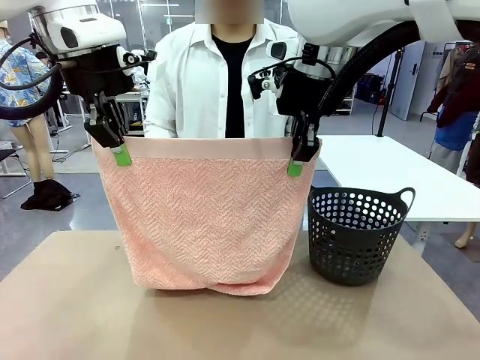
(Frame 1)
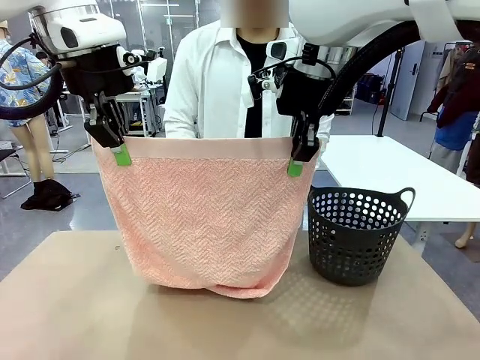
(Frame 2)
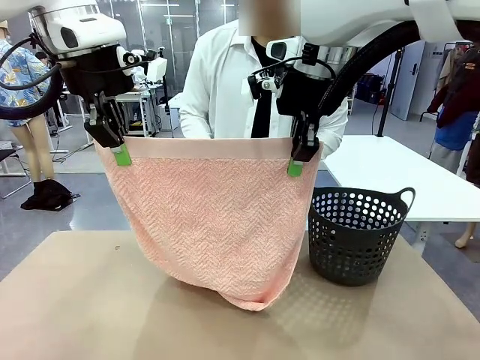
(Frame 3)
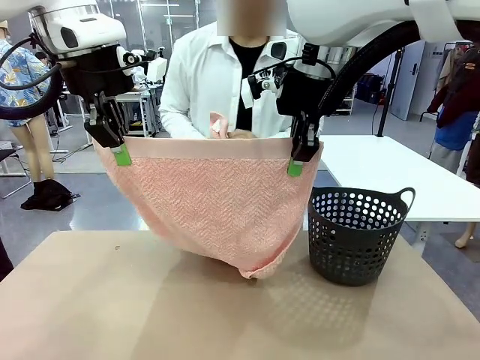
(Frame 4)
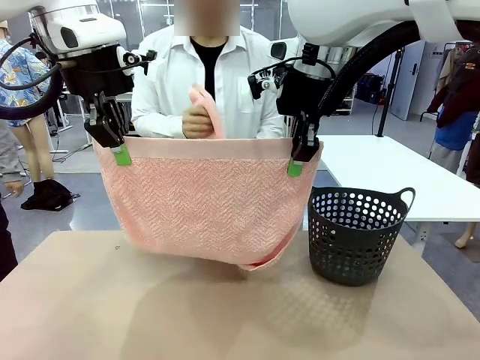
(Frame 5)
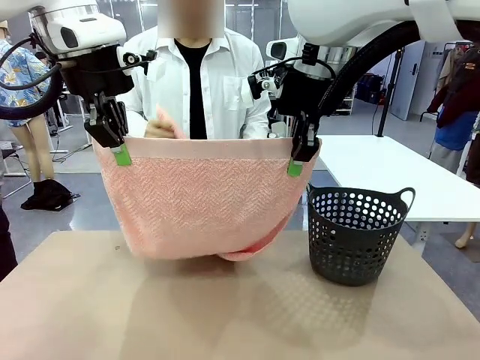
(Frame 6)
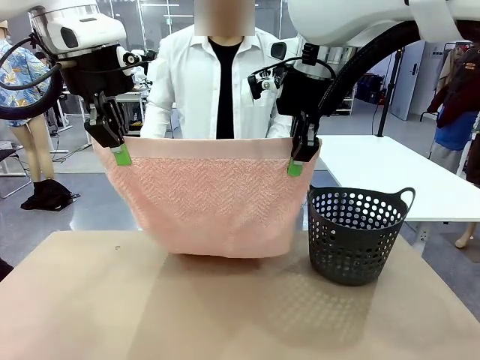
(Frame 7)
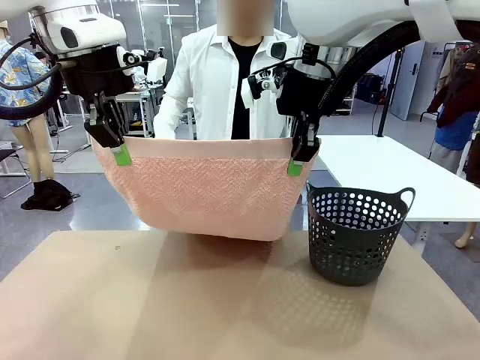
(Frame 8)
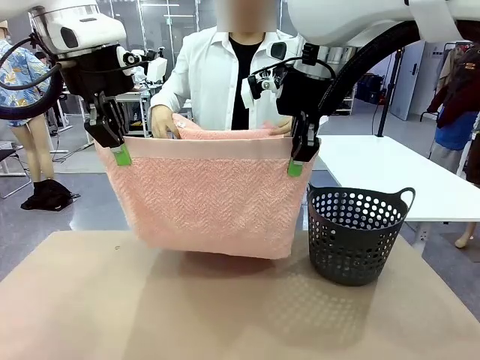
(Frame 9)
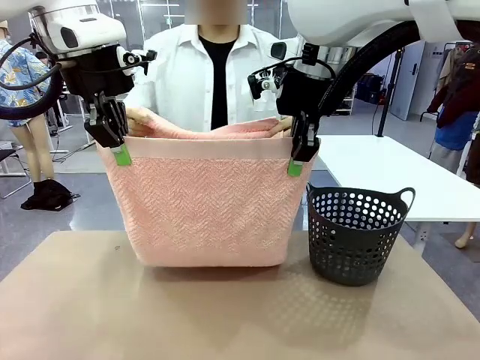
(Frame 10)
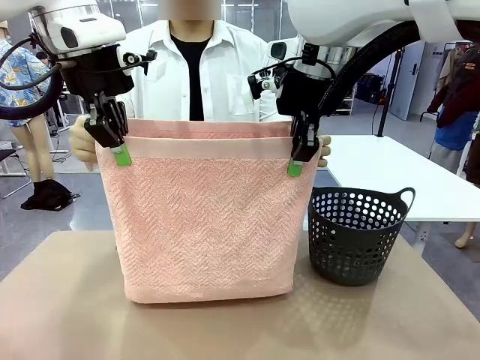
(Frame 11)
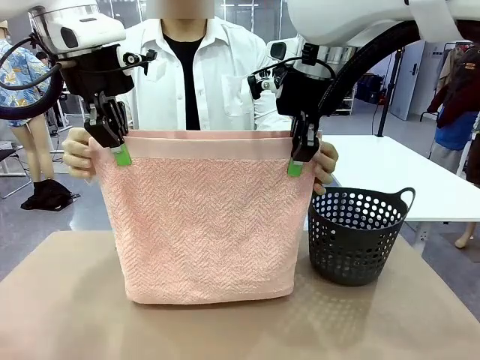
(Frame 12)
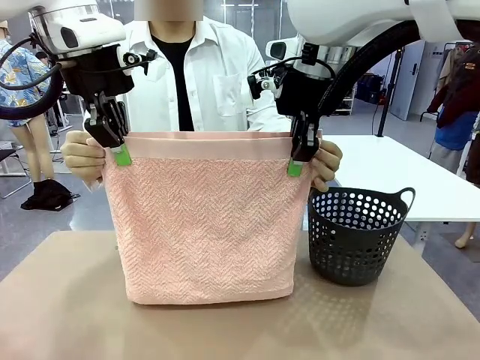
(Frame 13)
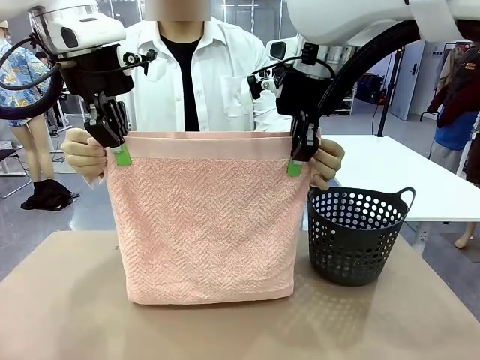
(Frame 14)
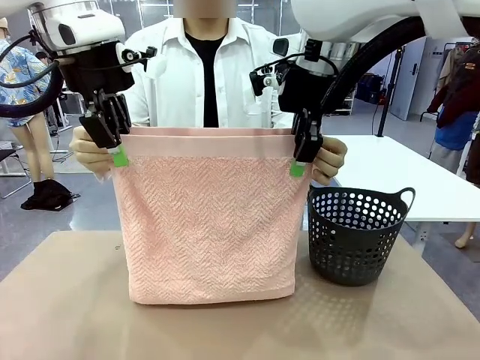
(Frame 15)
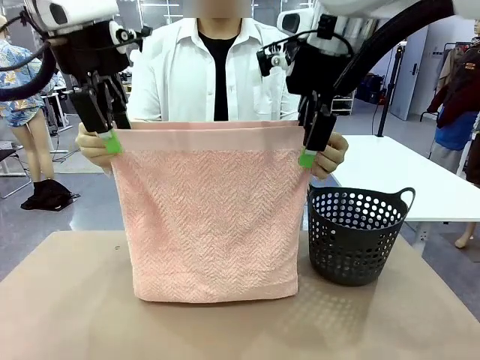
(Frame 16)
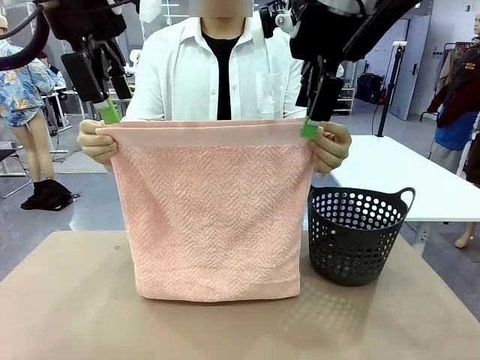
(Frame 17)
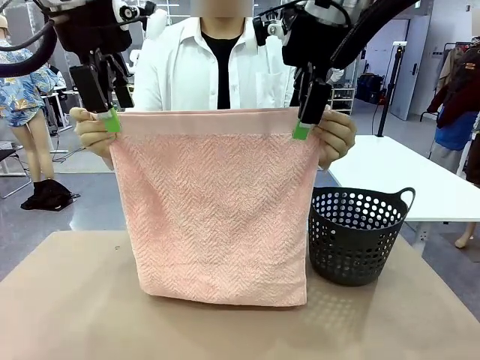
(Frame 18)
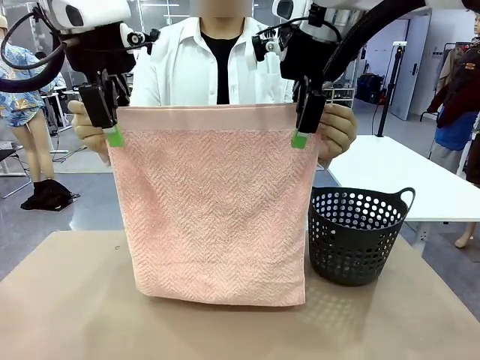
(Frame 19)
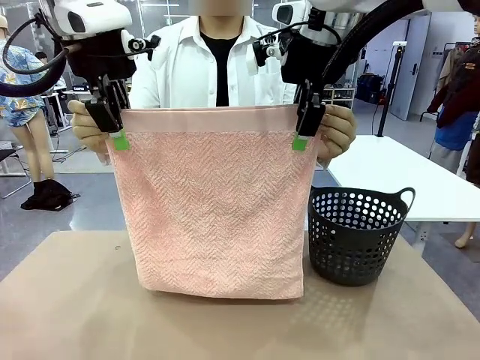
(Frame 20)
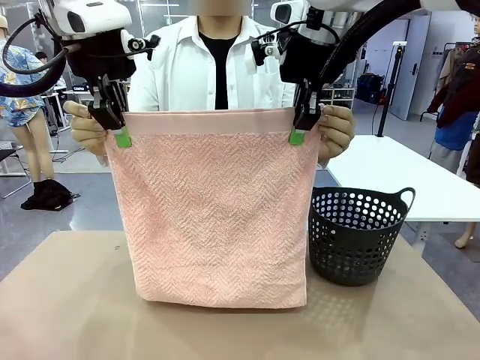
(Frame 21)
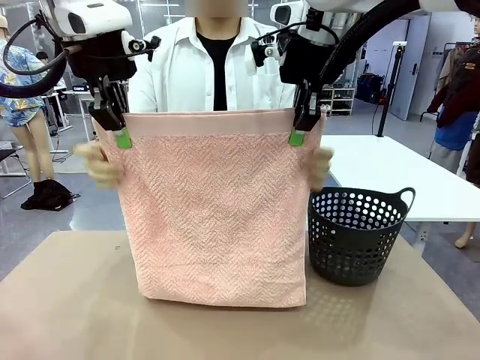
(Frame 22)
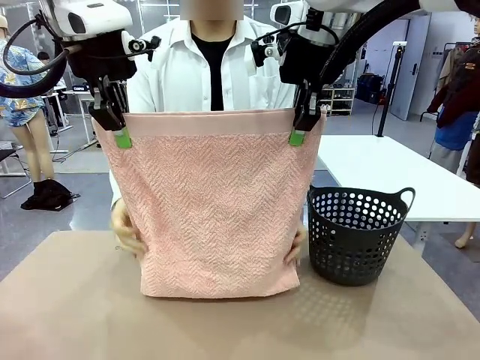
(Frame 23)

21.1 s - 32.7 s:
Task: Fold the towel.
Robot: Release the end of the 100 cm Hotel Towel you were holding and grab the top end of the folded side.

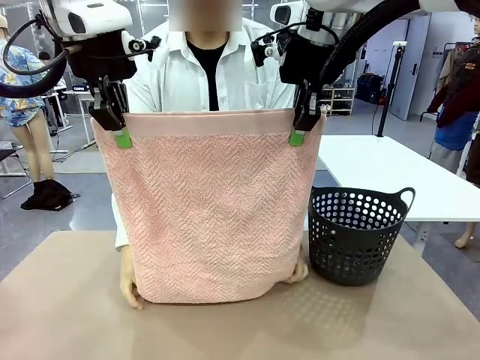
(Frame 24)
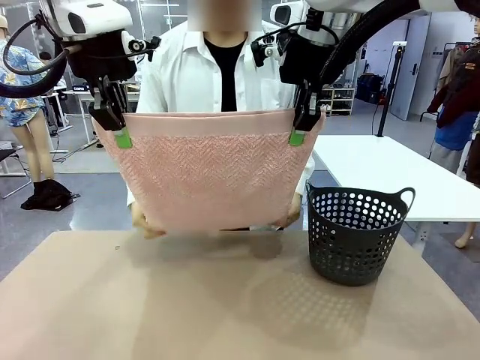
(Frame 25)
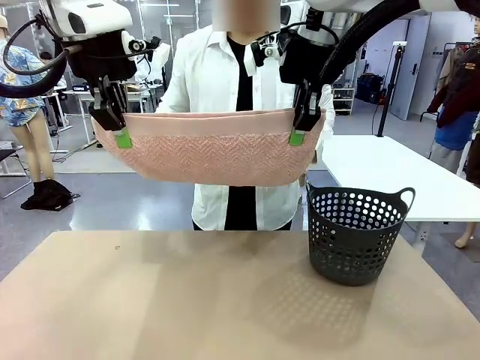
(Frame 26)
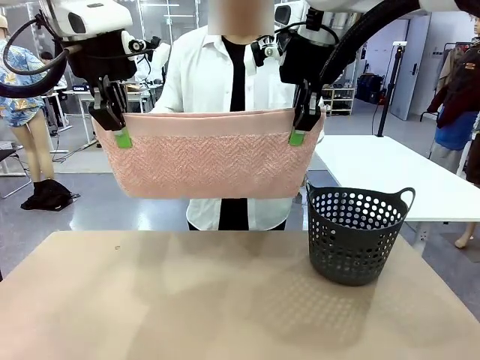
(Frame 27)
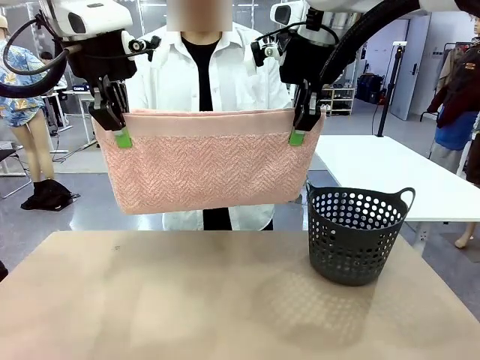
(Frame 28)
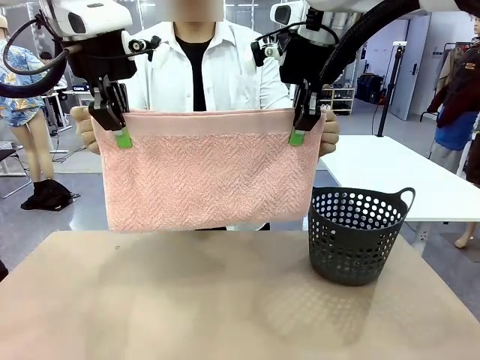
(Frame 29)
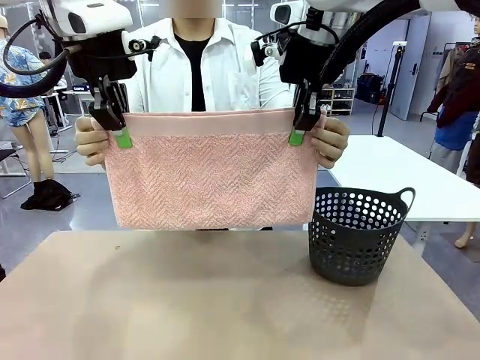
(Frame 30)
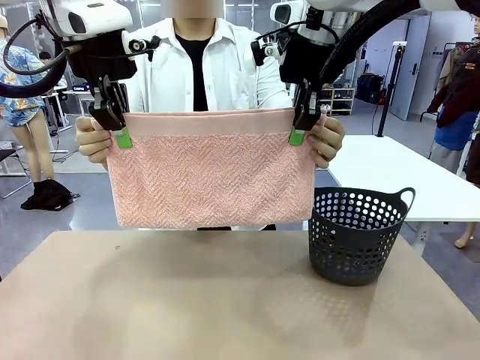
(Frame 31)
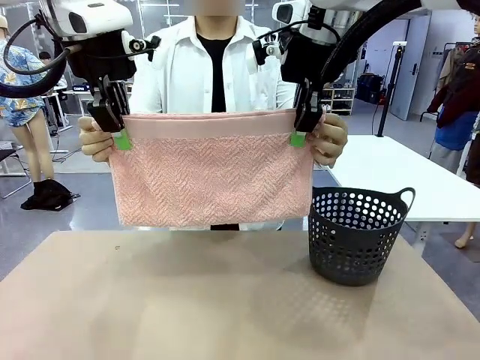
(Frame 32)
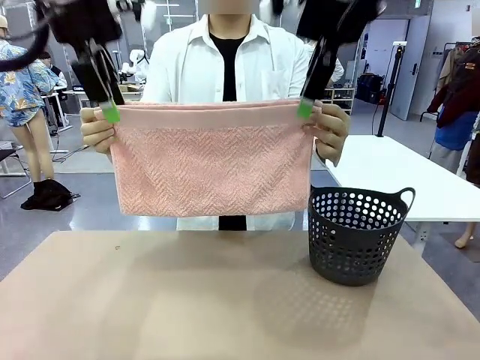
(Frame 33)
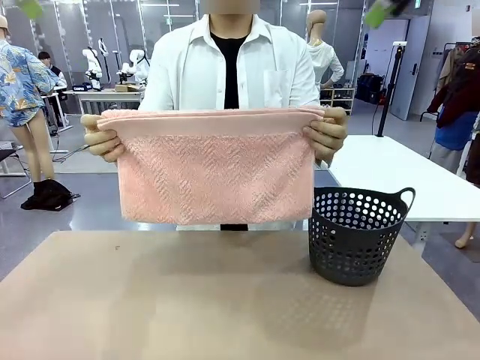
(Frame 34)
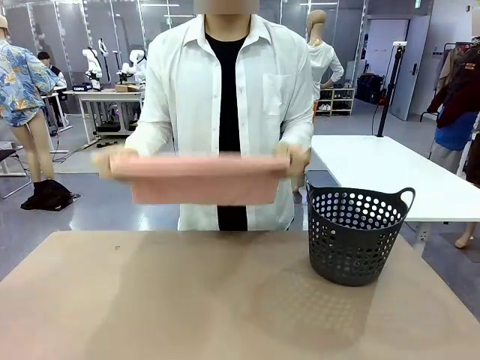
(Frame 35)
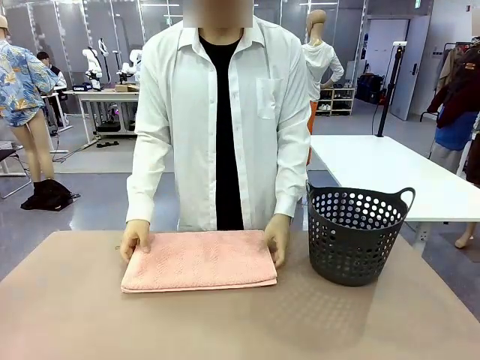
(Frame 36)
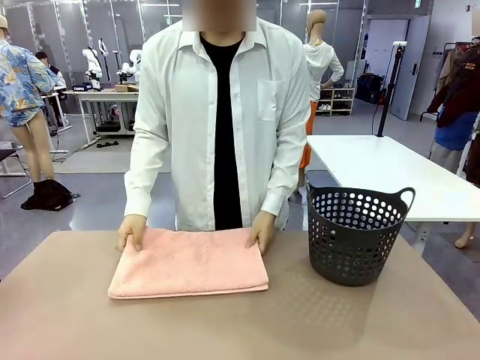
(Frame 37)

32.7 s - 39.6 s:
Robot: Release the end of the 100 cm Hotel Towel you were holding.
Person: Place the towel at the center of the robot table and fold it in half.

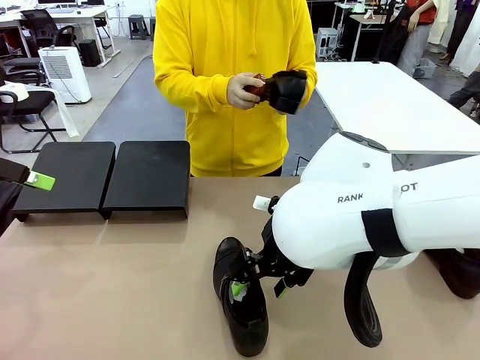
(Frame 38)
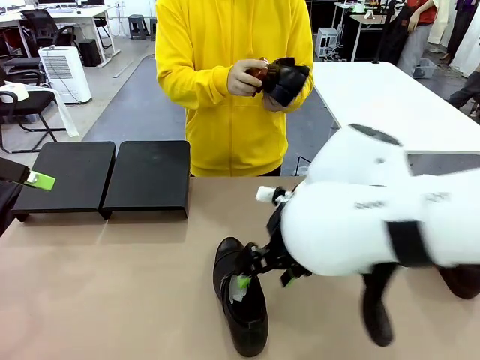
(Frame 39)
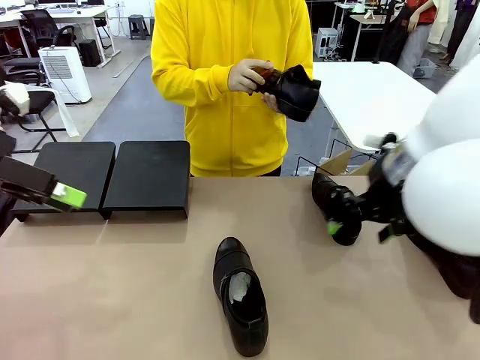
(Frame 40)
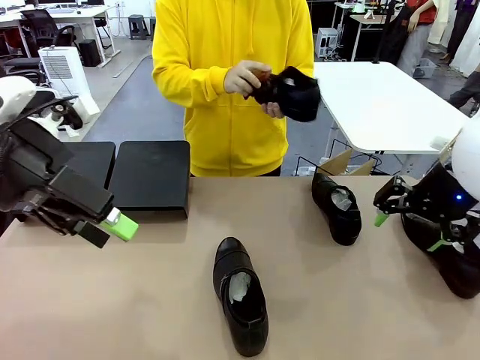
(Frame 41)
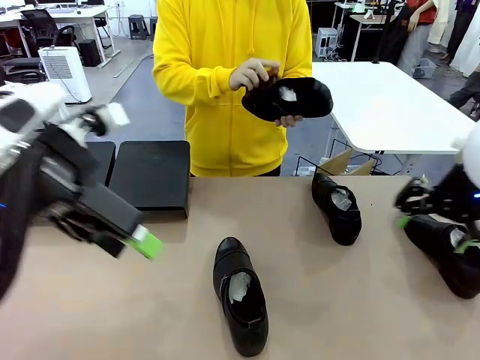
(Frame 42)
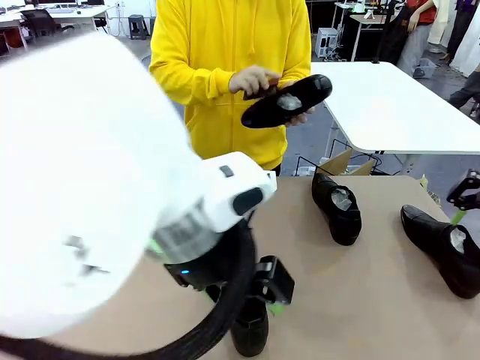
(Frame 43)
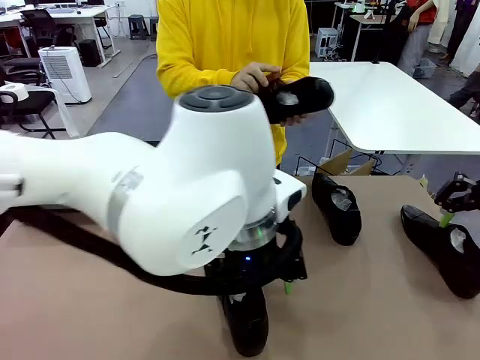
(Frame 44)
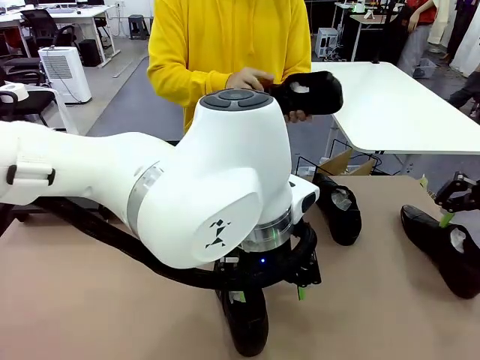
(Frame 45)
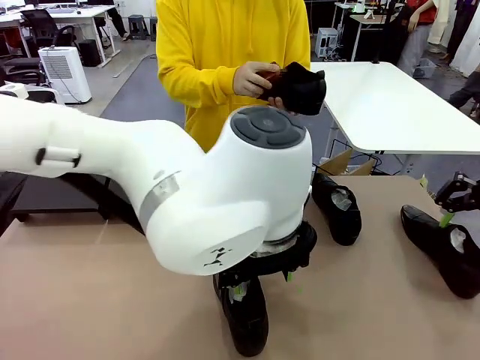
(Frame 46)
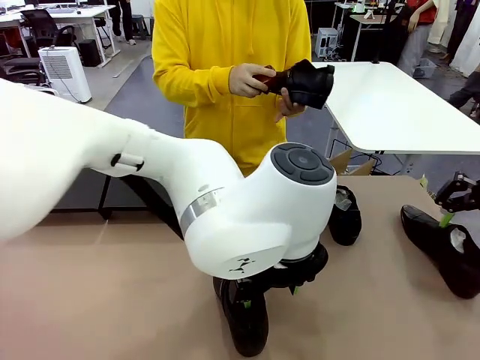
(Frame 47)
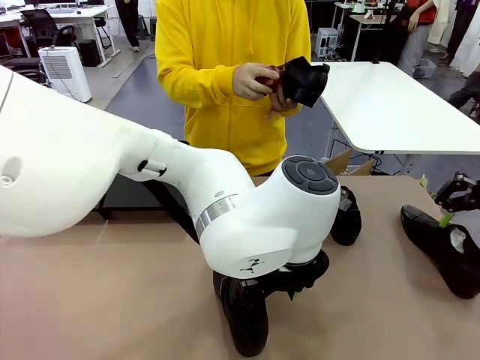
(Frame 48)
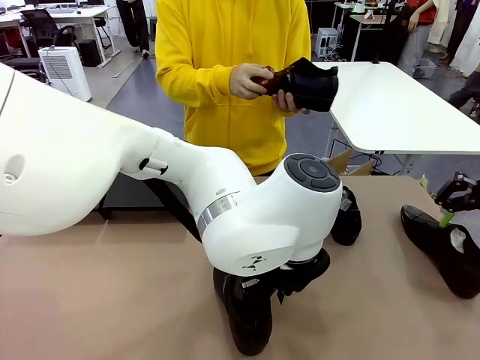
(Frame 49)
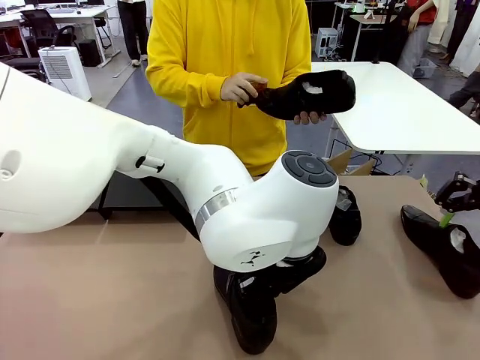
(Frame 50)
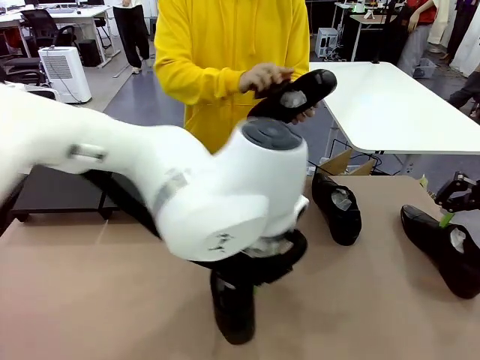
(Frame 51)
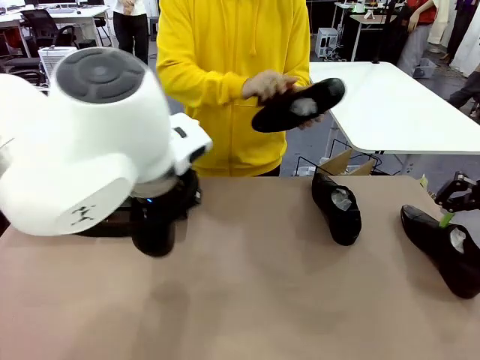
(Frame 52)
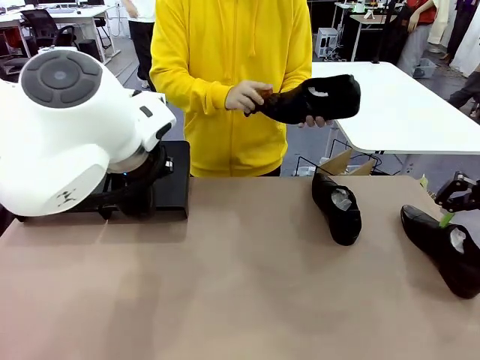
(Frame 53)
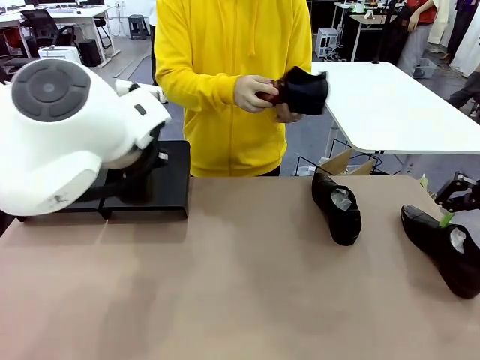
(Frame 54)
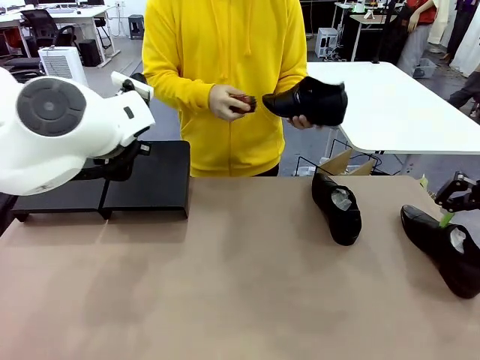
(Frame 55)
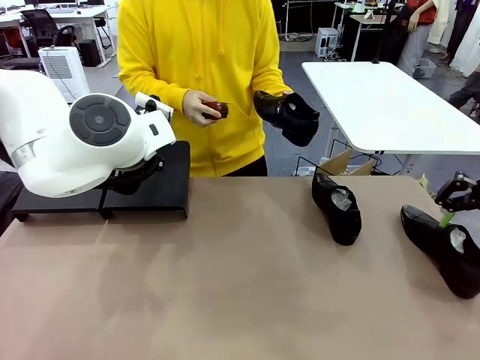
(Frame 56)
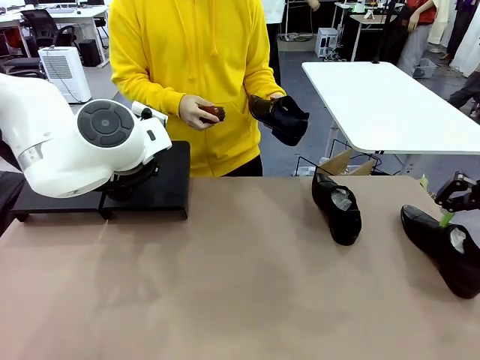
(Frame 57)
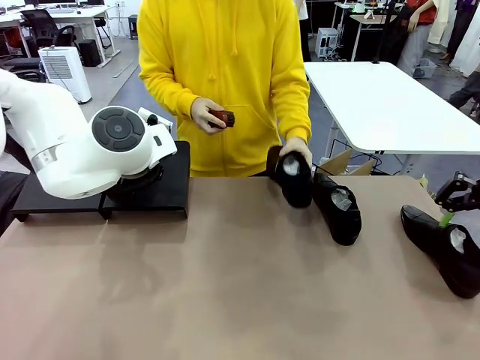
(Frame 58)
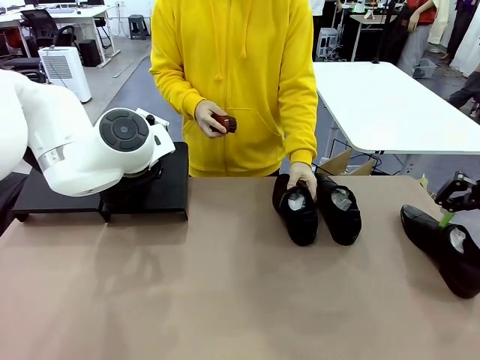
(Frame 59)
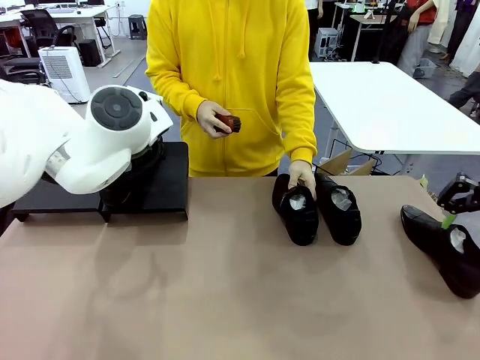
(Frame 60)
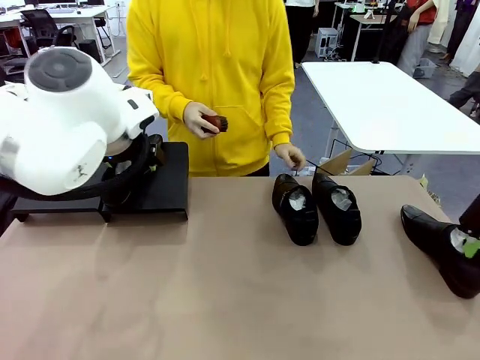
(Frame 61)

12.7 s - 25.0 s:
Task: Organize the shoes by placing them on the stand.
Robot: Place the Shoe from the middle of the table onto the Shoes Stand.
Person: Clean the Shoe with the Shoe Brush. Place the Shoe on left side of the Robot's table.
